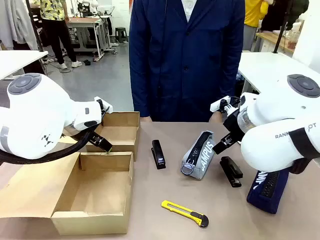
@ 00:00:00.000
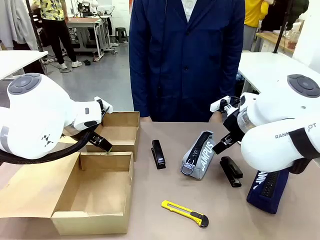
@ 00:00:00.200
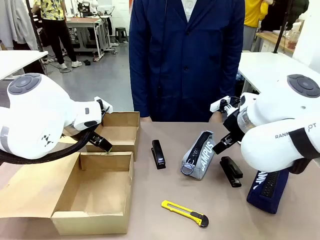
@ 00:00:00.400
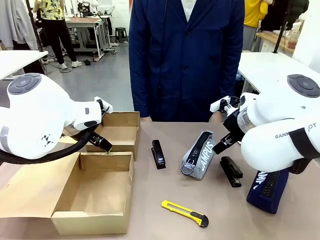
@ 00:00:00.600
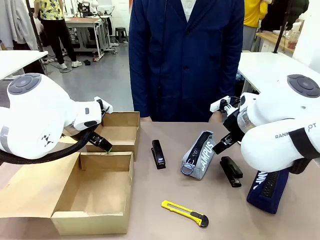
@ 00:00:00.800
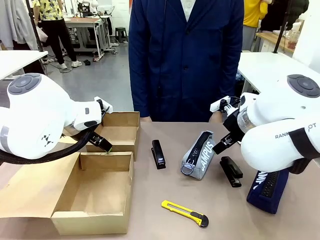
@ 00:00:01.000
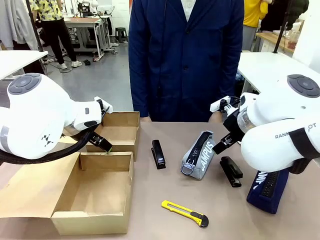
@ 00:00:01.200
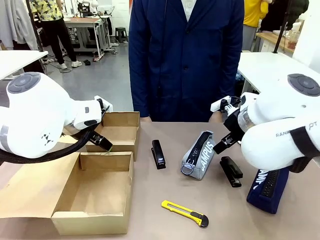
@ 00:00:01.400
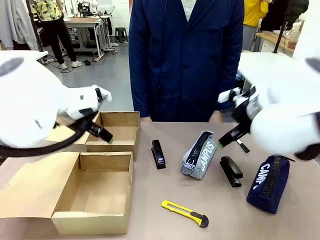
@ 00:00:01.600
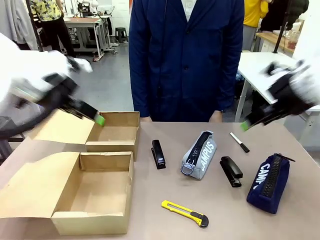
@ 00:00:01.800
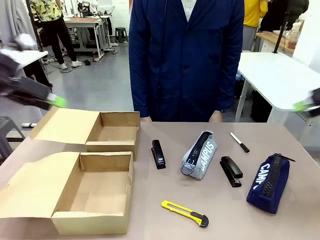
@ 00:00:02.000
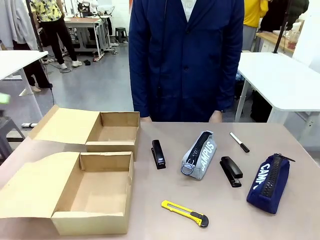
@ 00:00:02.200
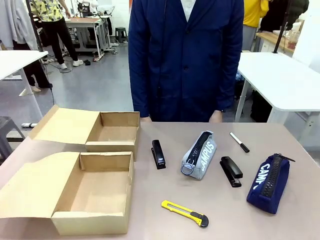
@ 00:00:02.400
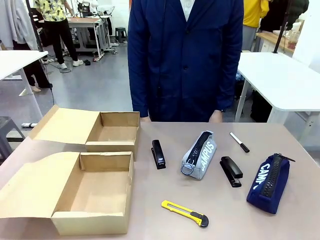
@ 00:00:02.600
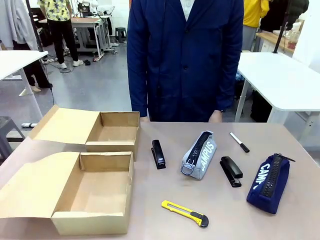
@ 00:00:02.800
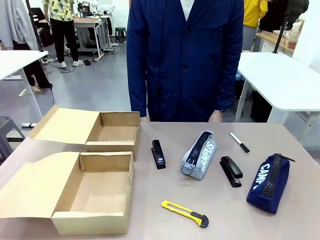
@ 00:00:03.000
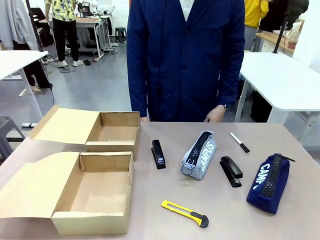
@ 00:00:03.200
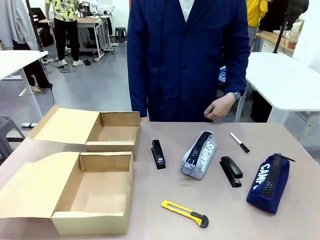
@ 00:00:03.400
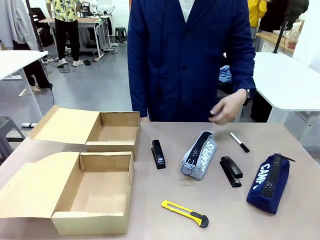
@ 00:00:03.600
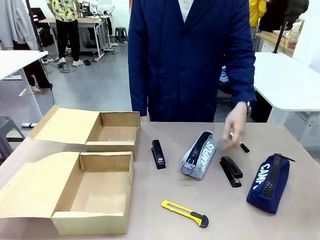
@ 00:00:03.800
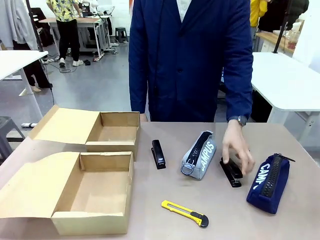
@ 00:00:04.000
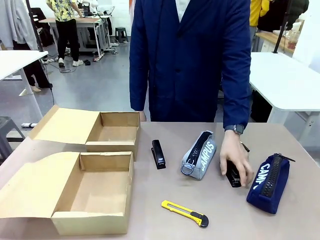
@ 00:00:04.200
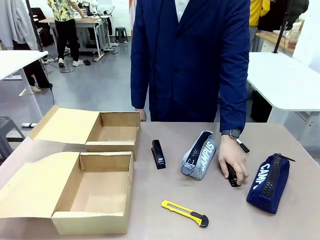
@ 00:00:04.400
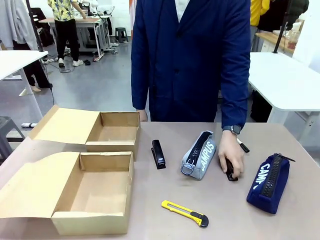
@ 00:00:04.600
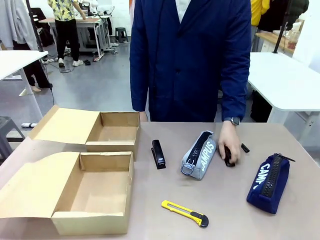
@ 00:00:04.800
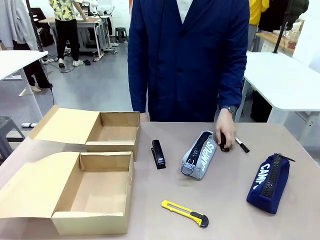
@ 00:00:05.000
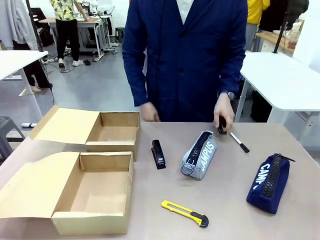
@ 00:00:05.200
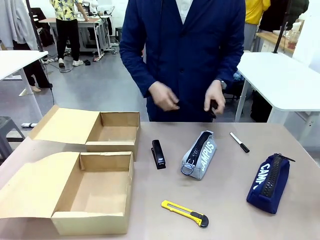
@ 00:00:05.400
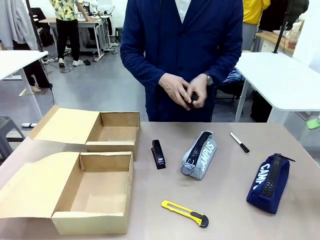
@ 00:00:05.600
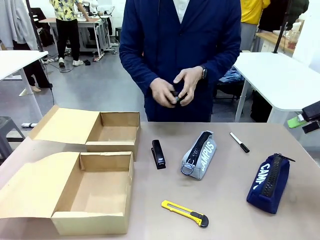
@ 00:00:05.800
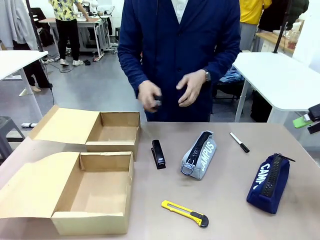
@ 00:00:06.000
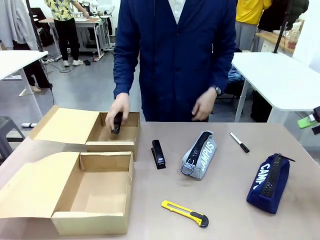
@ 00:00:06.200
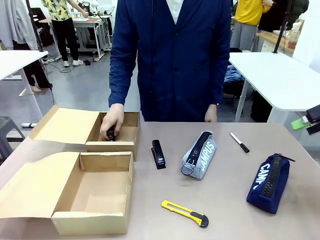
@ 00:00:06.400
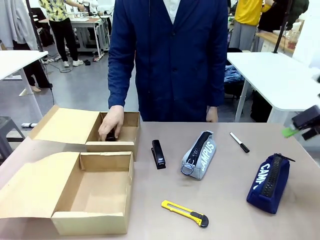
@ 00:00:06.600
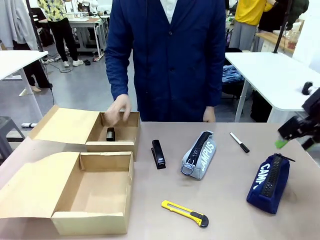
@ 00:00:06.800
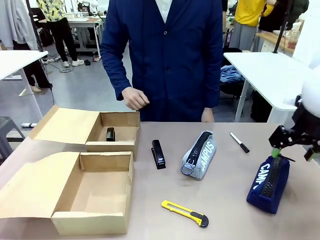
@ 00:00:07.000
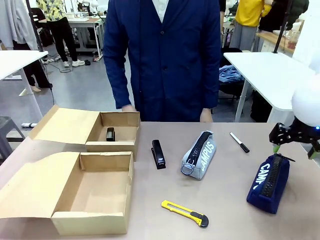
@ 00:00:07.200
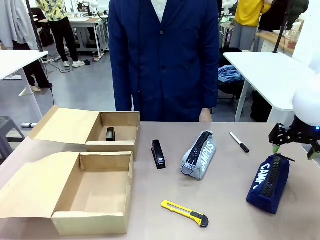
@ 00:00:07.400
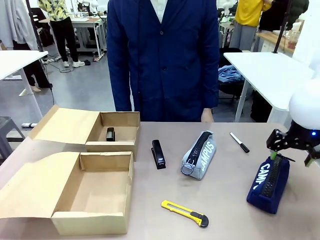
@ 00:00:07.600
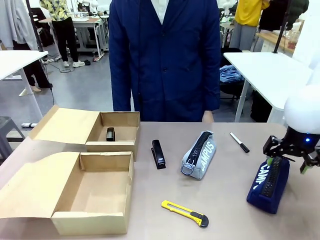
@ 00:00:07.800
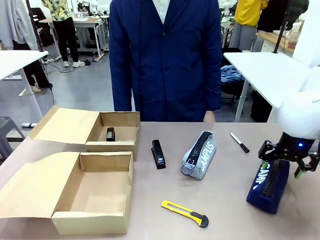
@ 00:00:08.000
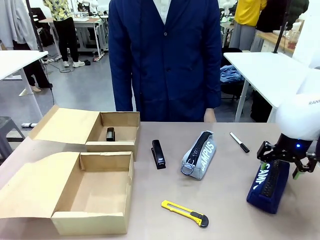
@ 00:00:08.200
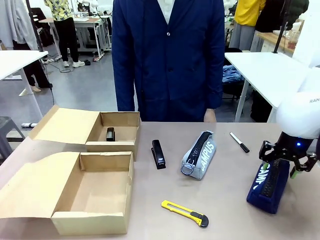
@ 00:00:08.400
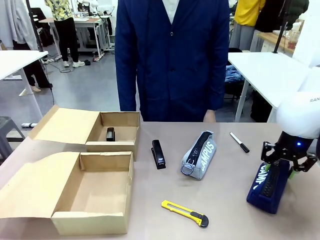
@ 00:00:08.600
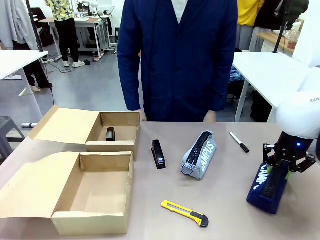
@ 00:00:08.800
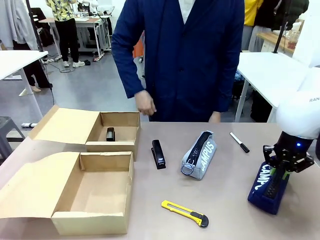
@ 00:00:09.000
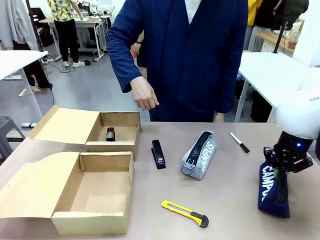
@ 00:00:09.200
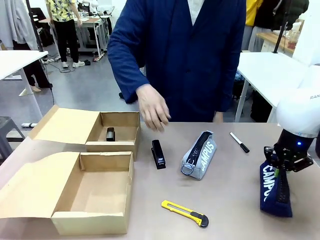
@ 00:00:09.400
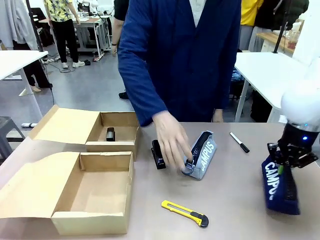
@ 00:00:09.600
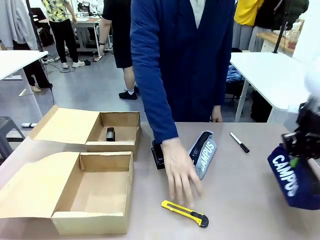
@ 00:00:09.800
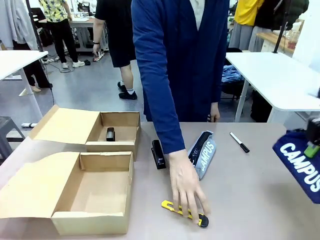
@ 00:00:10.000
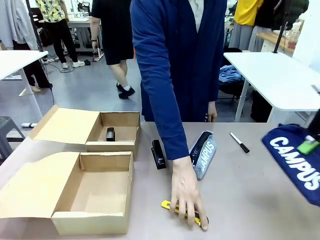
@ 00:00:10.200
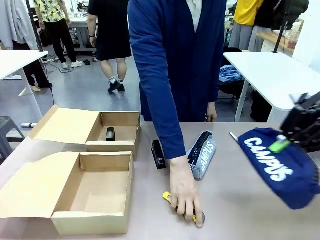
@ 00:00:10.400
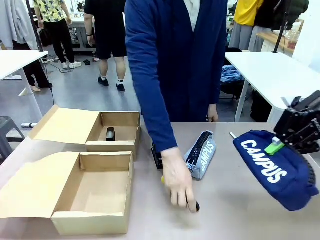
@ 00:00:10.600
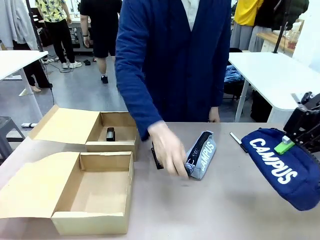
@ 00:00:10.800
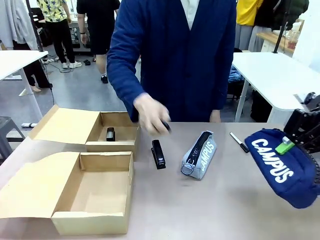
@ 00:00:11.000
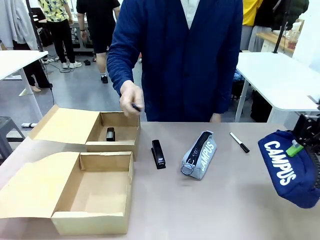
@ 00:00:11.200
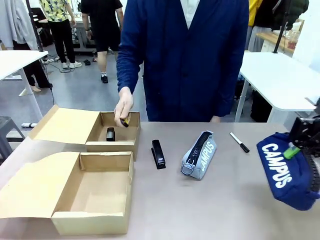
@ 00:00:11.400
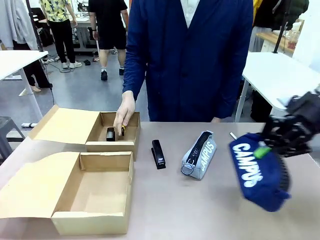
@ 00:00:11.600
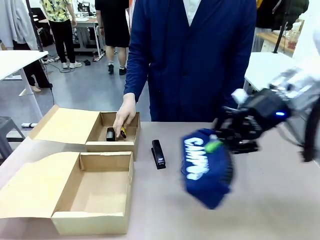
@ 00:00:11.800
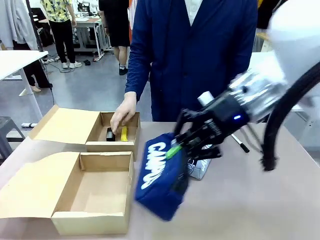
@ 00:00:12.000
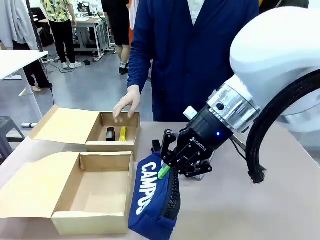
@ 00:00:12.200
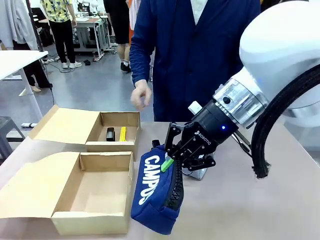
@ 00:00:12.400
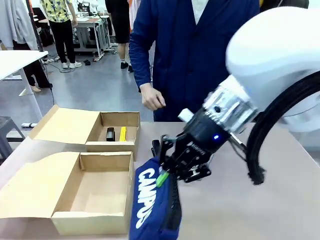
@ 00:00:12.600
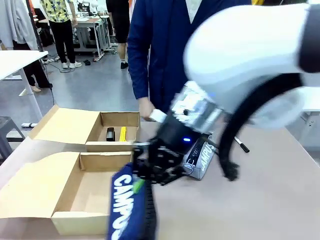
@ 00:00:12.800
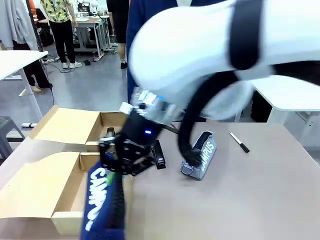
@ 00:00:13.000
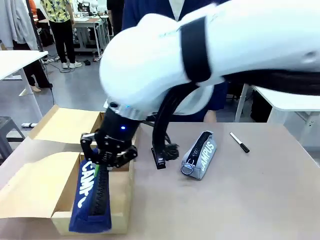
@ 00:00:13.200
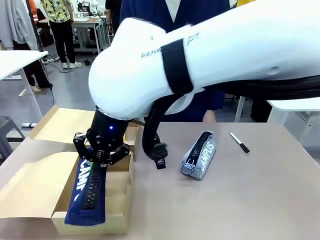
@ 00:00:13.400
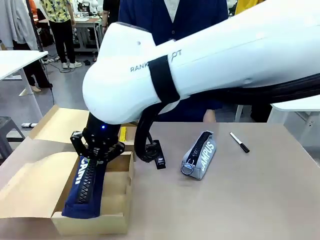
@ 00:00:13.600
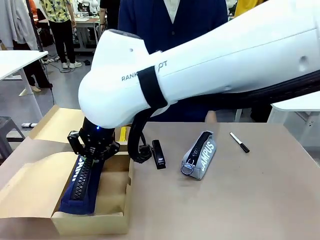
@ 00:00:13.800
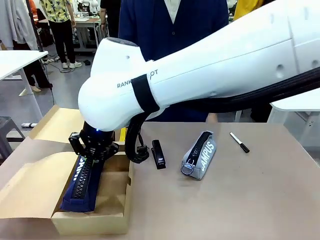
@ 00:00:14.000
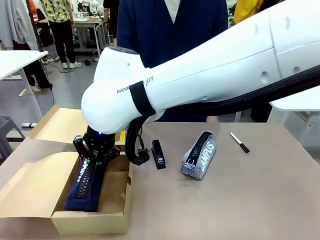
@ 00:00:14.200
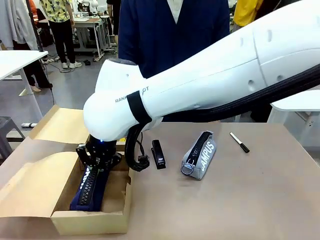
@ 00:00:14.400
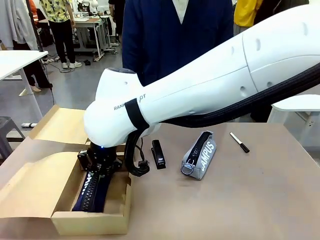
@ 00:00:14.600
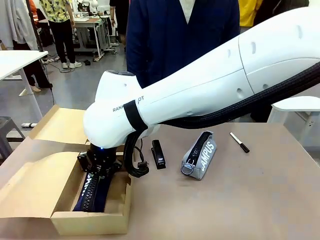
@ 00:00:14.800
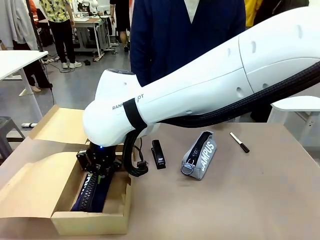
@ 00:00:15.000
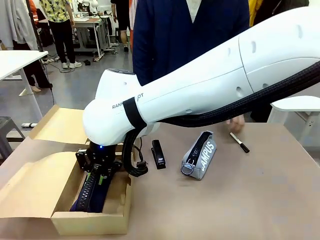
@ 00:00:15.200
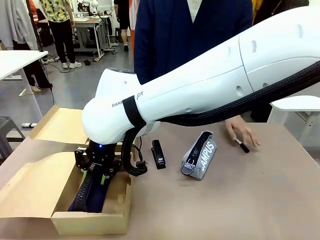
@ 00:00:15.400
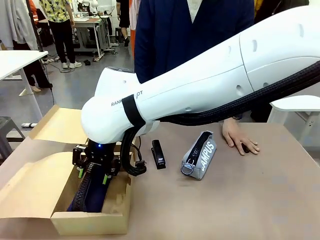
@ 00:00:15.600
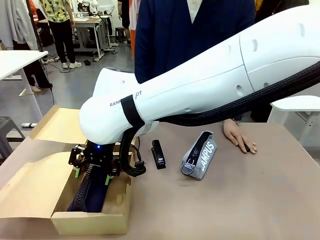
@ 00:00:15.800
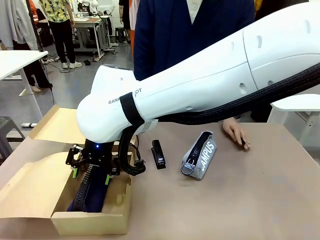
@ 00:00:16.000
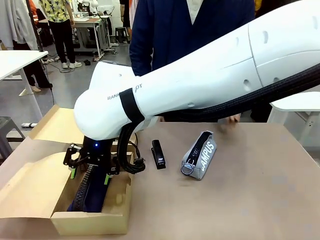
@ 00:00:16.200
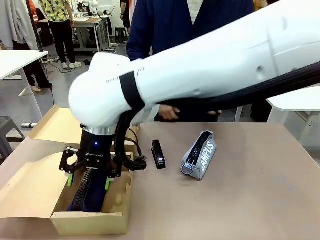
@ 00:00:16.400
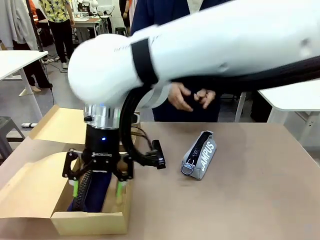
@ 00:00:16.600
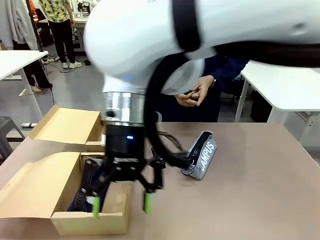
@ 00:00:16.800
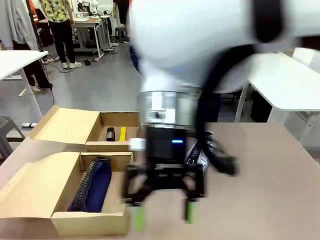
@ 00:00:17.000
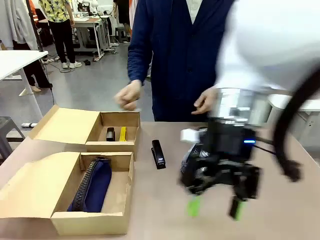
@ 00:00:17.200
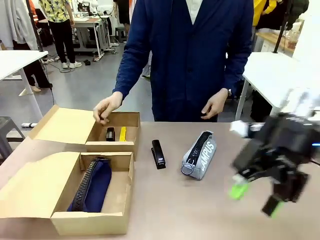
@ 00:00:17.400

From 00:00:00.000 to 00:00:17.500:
Task: Place items inside the box.
Robot: Pick up a Pencil pouch or Stapler and place it inside the Mailer Box closest to the robot.
Person: Pick up an object on the table and put it in the box.
